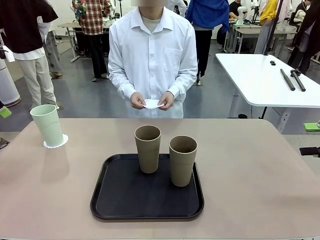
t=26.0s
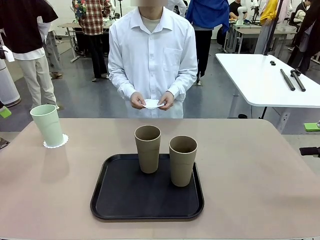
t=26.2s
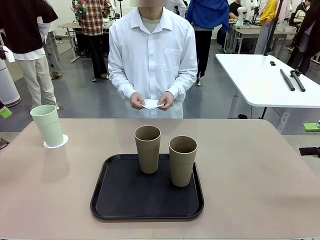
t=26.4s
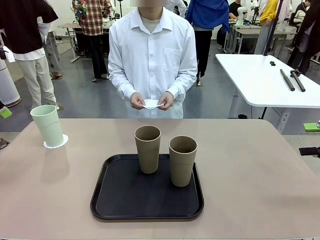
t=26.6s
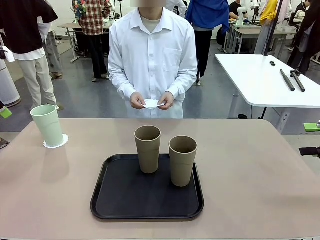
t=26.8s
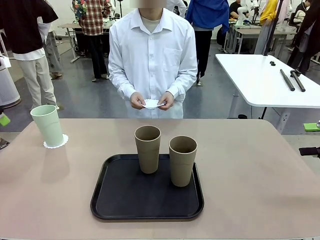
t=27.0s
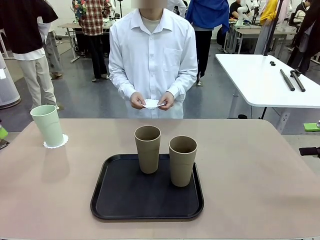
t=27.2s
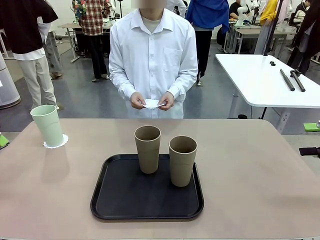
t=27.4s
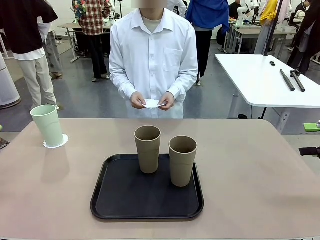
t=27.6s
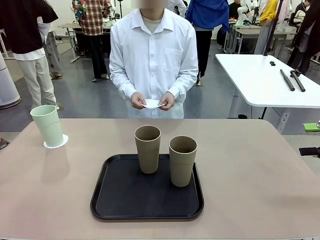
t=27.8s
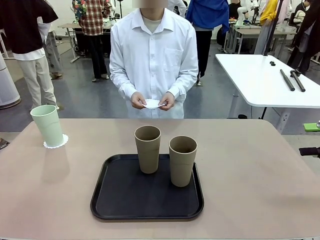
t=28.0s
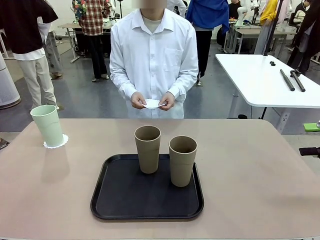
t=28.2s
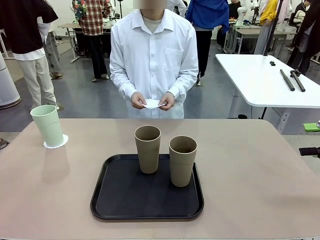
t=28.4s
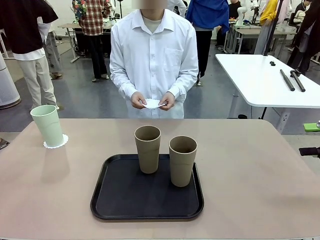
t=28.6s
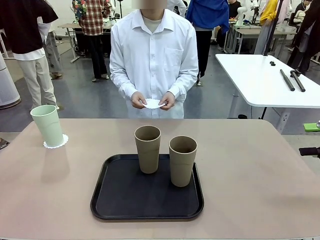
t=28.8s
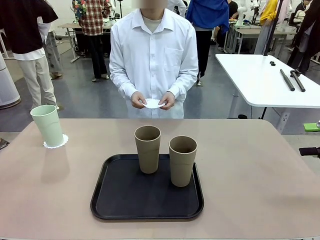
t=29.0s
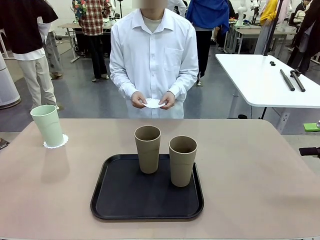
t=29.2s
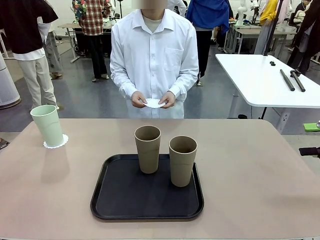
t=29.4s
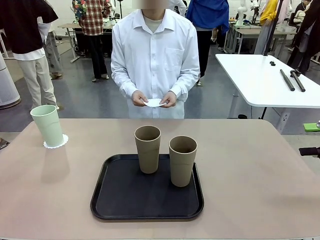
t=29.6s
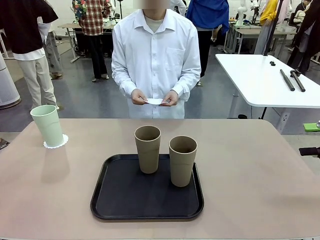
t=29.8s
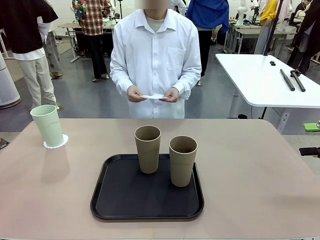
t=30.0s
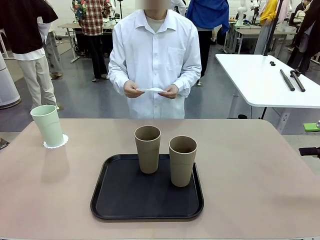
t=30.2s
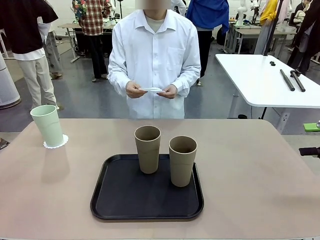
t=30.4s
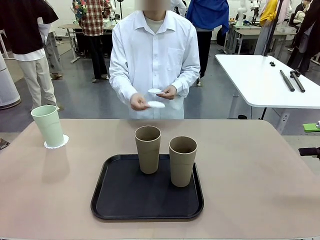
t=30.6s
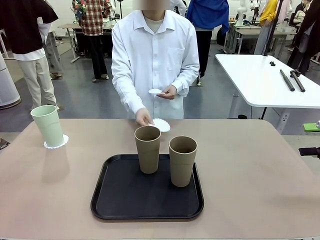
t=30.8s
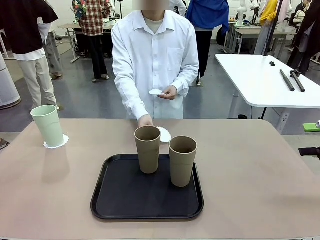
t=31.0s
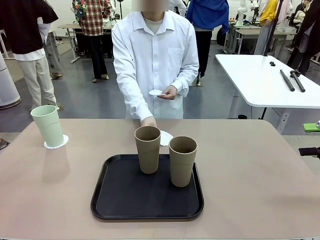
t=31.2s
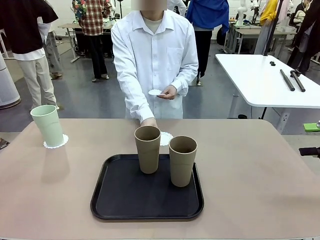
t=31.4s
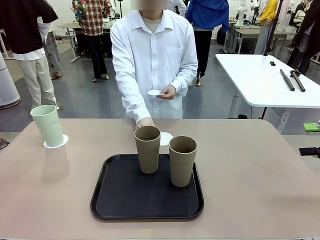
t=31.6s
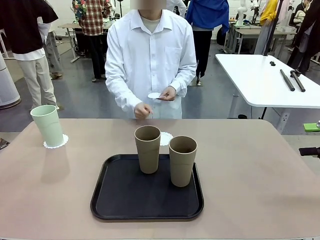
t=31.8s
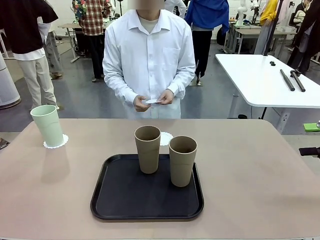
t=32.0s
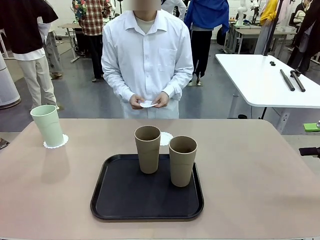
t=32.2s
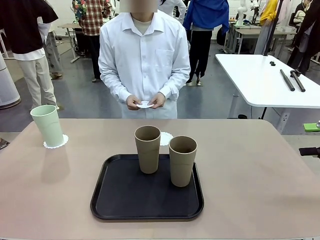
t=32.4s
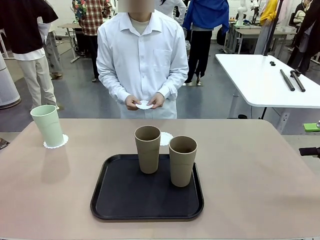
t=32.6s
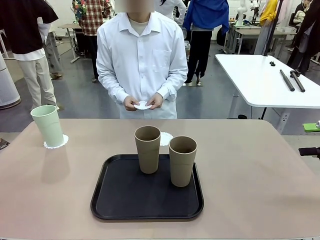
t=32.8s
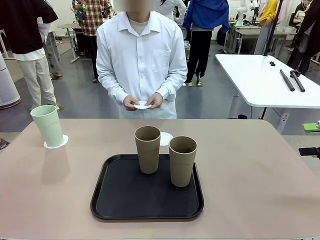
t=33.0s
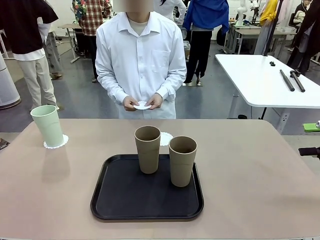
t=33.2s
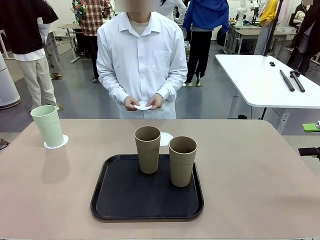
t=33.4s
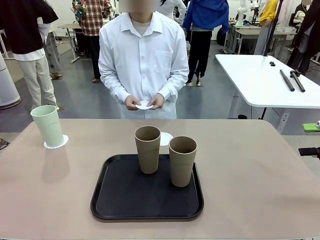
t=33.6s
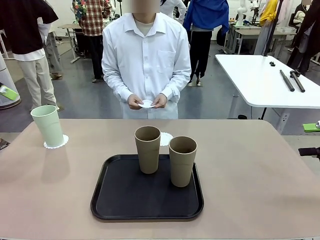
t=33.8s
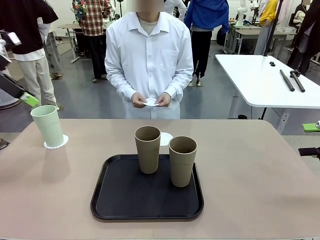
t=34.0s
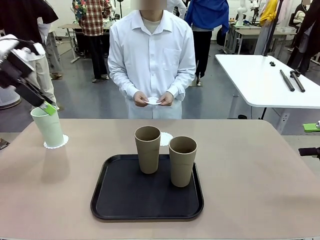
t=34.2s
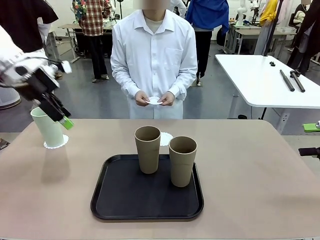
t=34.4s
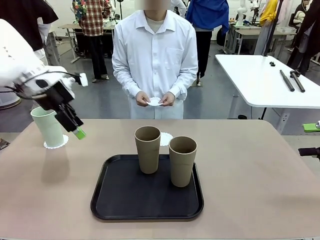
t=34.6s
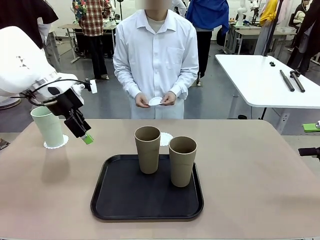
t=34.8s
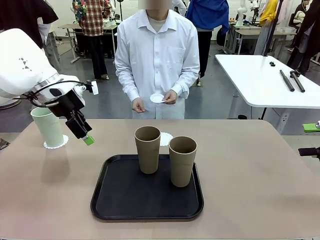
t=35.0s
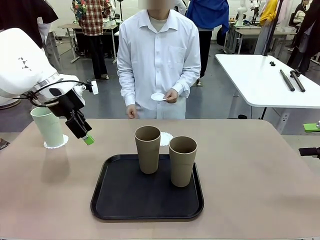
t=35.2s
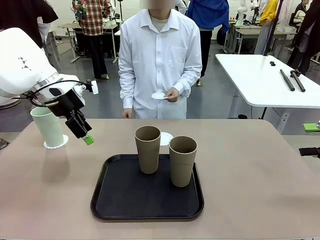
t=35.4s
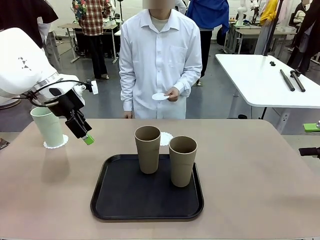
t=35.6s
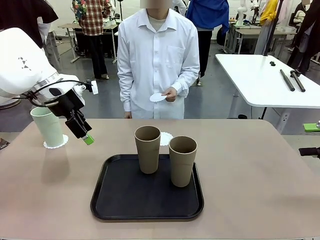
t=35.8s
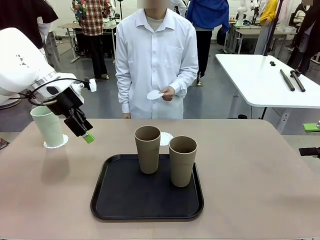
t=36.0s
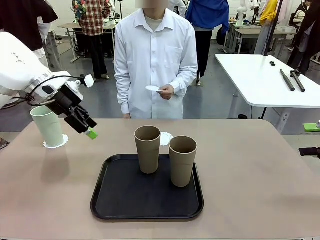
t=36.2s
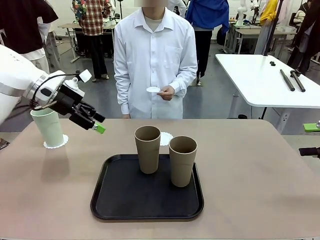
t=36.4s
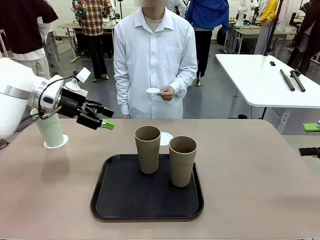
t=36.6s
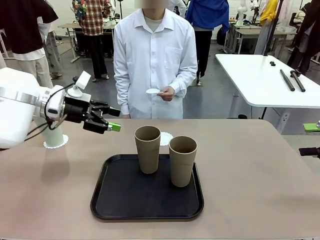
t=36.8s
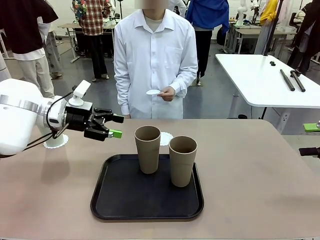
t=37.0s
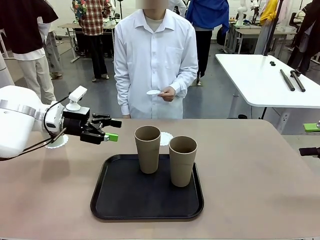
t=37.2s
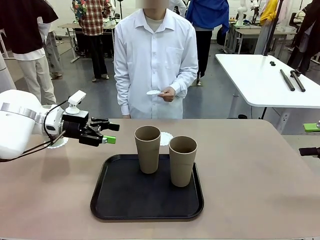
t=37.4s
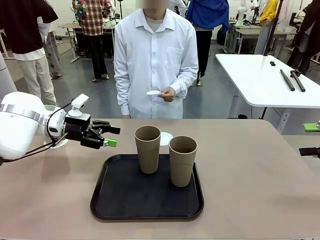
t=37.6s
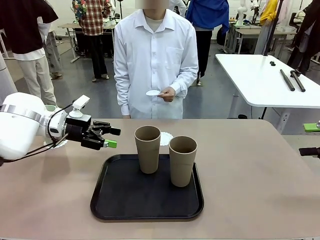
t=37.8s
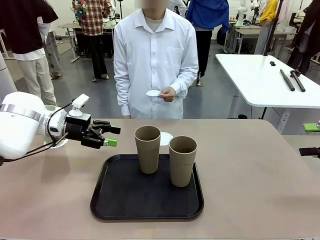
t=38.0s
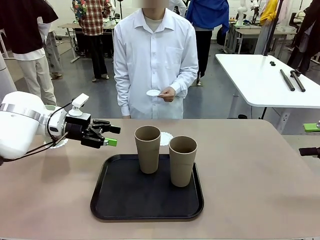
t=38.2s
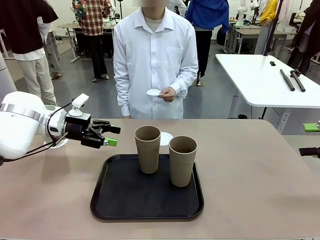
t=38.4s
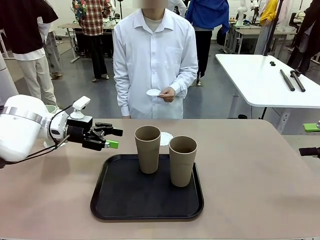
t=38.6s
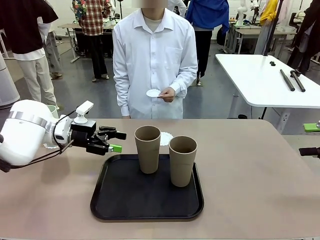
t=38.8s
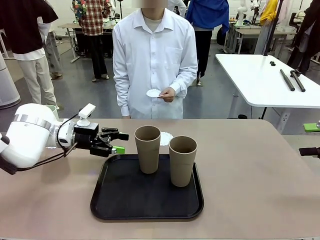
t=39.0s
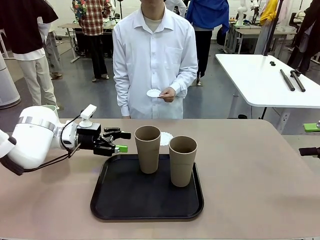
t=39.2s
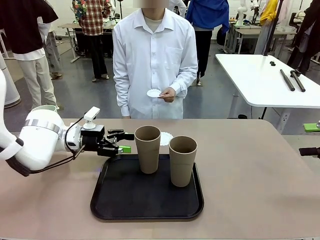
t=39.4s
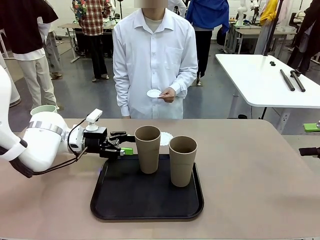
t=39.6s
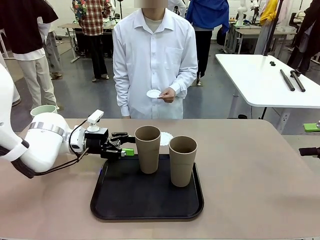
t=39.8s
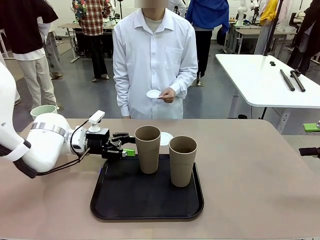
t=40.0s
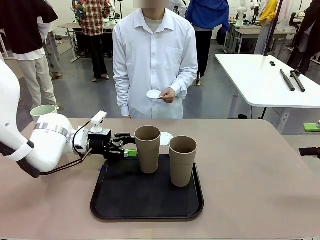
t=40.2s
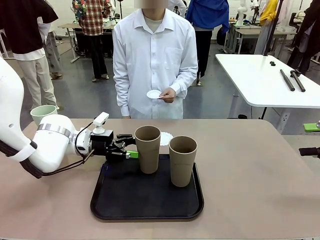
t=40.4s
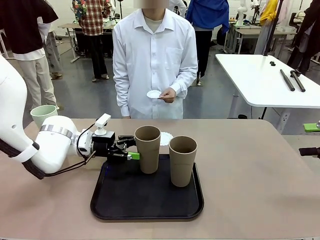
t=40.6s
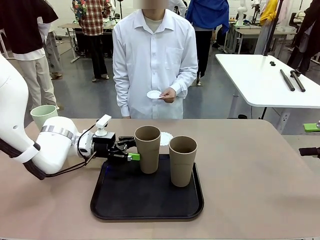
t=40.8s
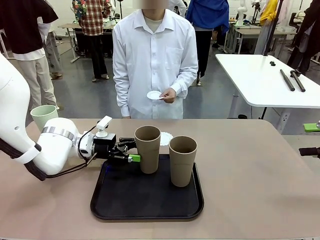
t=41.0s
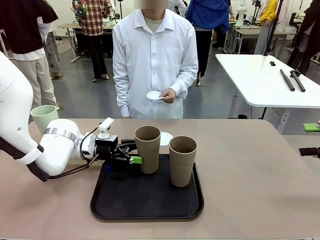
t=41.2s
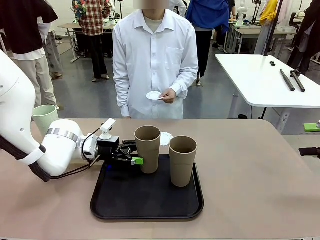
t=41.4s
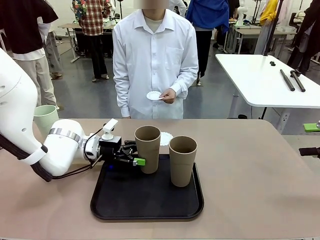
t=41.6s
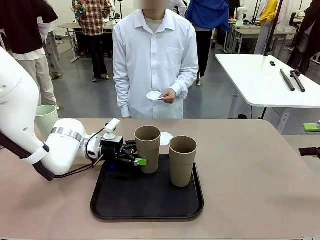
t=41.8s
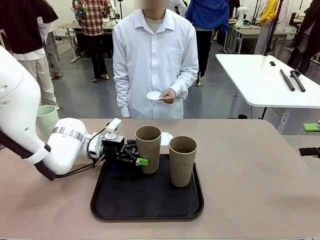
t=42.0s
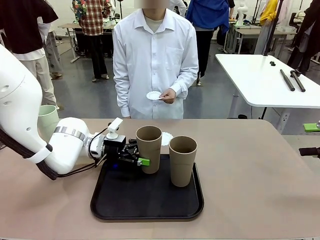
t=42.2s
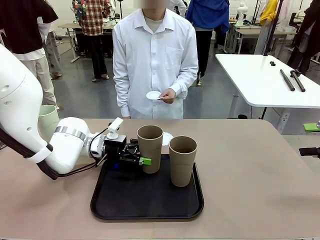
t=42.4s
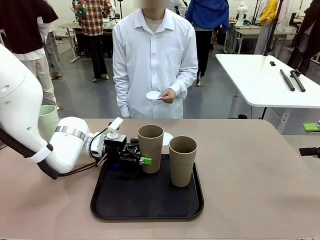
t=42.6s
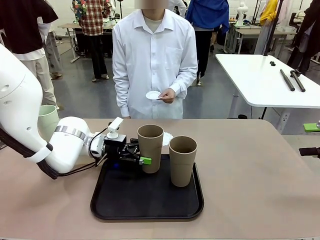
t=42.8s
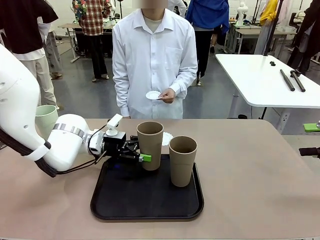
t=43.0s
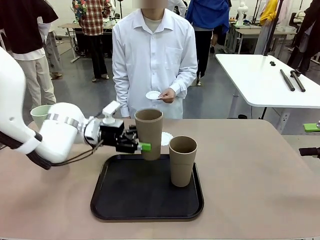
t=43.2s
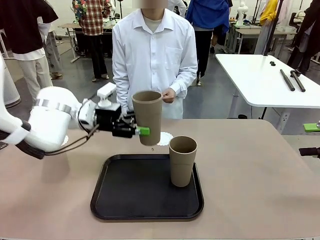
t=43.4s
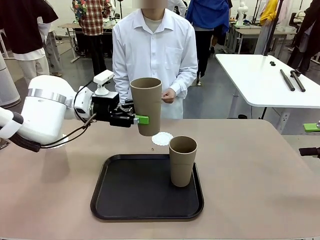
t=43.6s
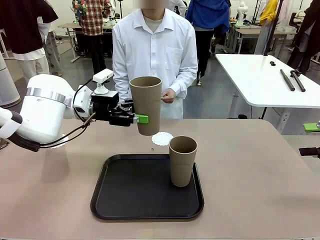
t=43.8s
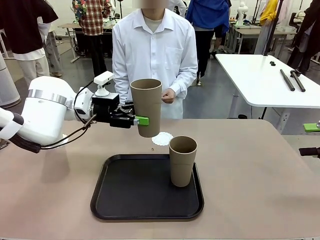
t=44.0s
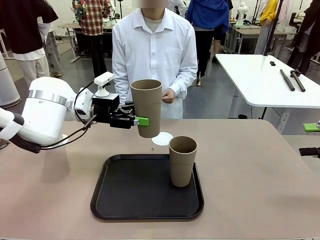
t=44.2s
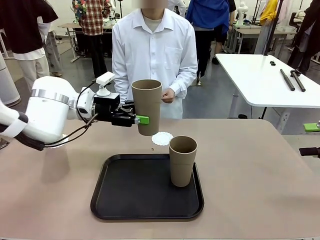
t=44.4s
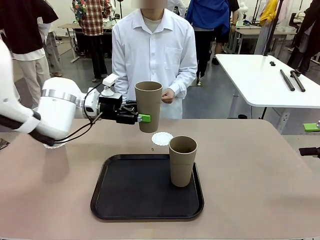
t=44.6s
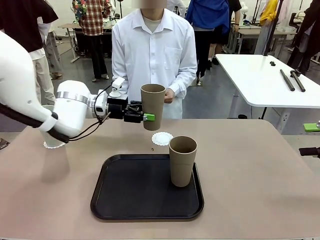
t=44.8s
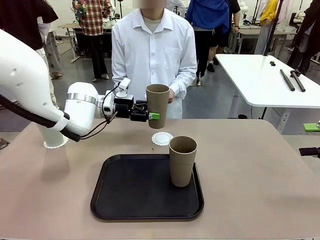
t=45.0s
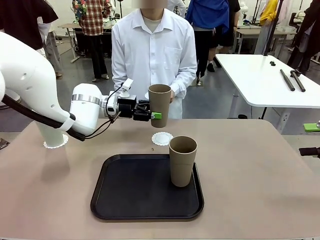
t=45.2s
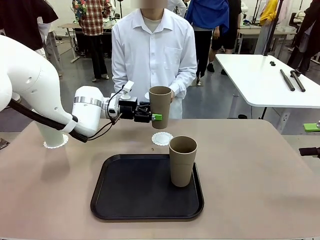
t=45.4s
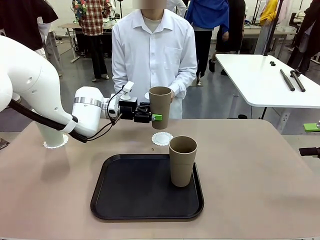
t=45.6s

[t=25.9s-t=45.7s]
Task: Place coasters on the table and set cups on them.
Robot: Take one Reusable plastic cup from the Flat Tray and place it on a coaster set by the human.

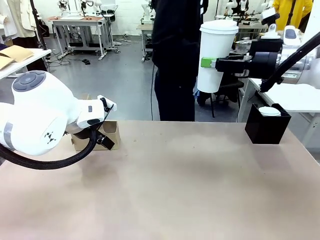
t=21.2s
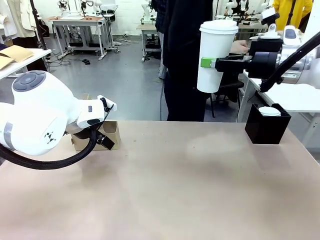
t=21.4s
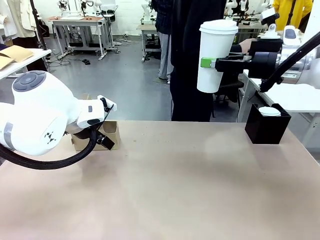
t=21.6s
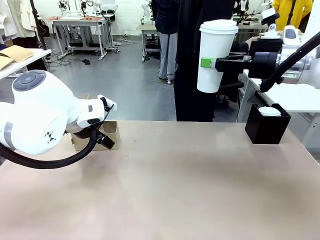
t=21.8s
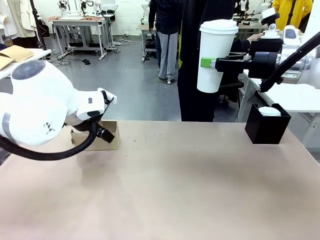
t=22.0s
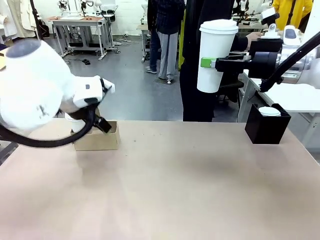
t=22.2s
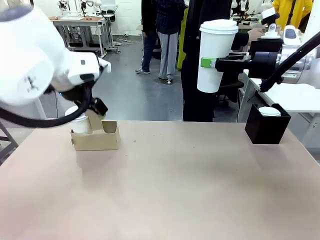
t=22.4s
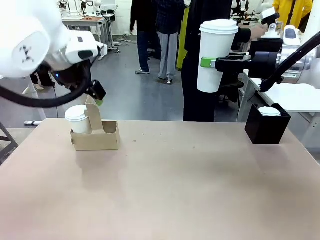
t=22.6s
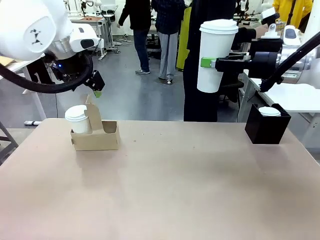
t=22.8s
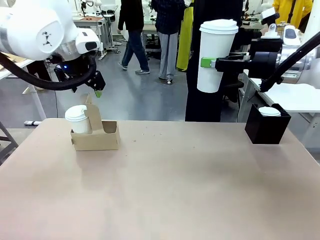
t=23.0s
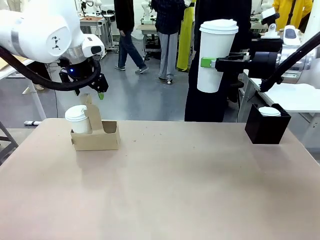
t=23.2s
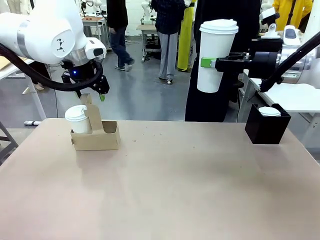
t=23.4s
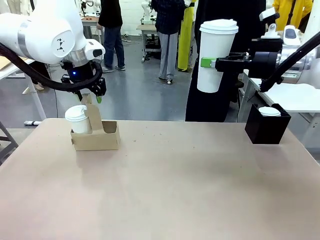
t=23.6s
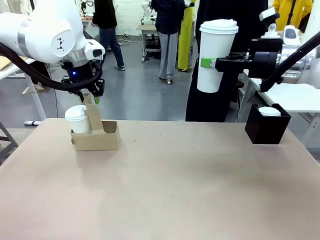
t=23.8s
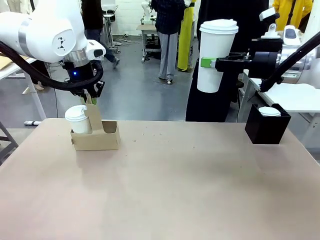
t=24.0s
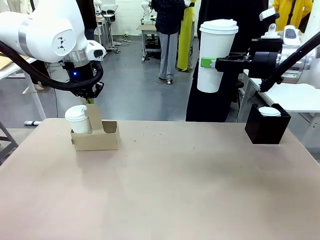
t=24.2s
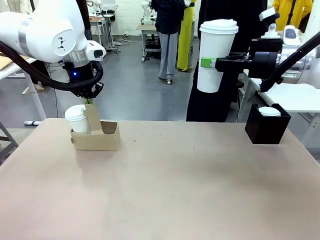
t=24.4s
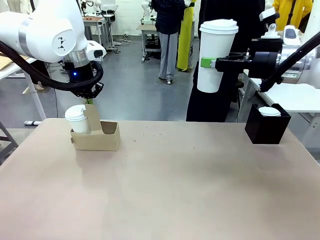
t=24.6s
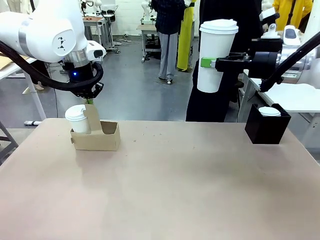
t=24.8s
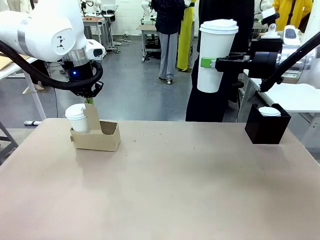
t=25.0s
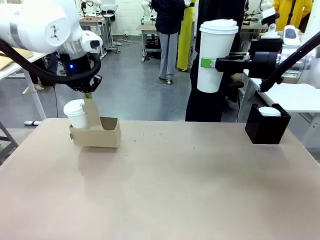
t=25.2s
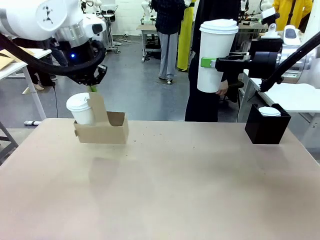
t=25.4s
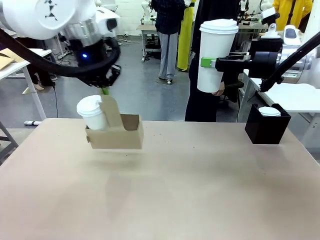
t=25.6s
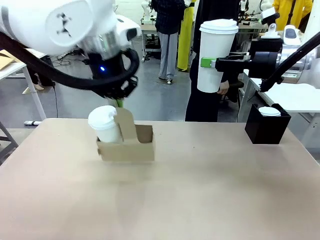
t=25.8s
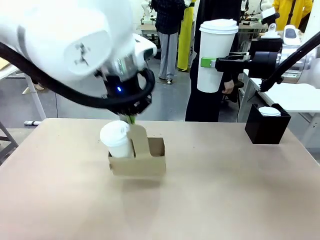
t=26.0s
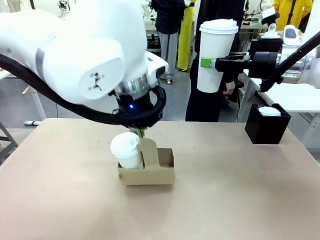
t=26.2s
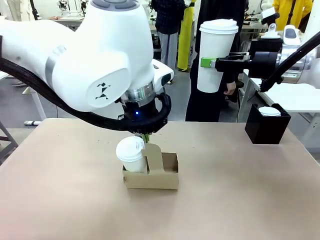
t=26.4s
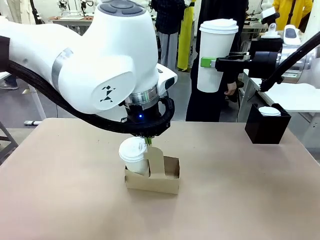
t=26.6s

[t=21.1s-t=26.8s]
Task: Pour a drink into a cup and package it in a carrier.
Robot: Position the Cup Carrier in the center of the table.
